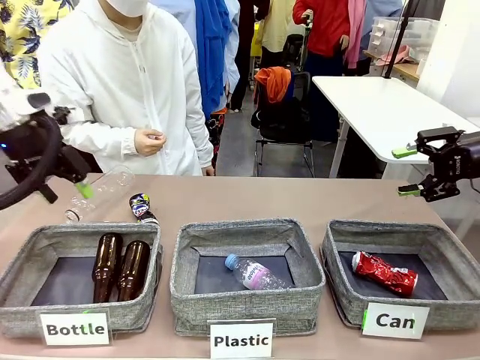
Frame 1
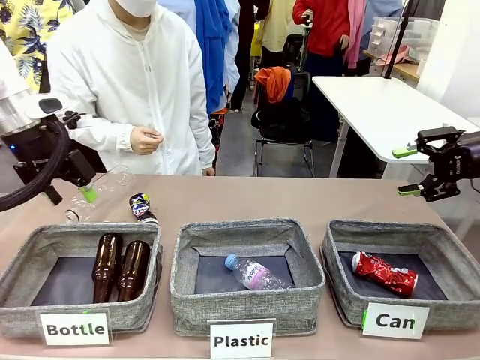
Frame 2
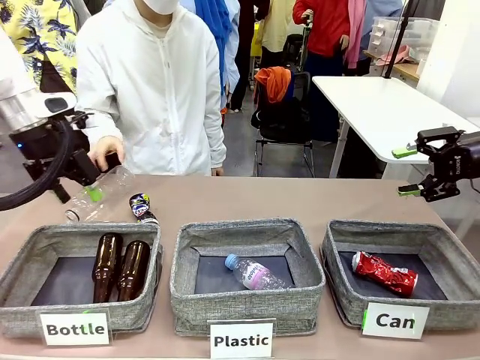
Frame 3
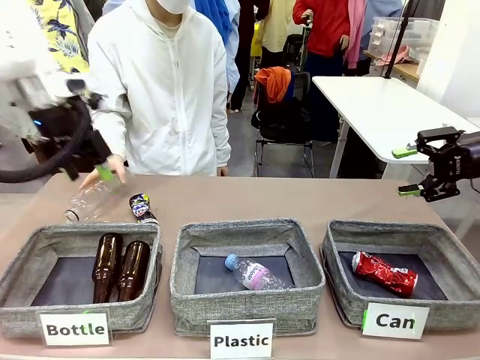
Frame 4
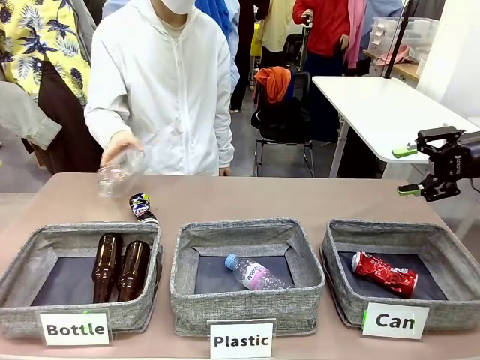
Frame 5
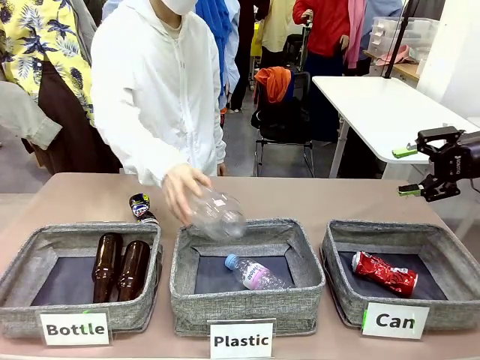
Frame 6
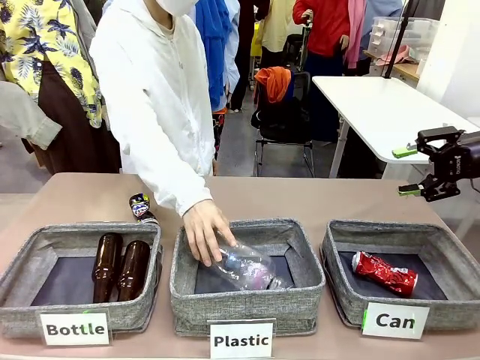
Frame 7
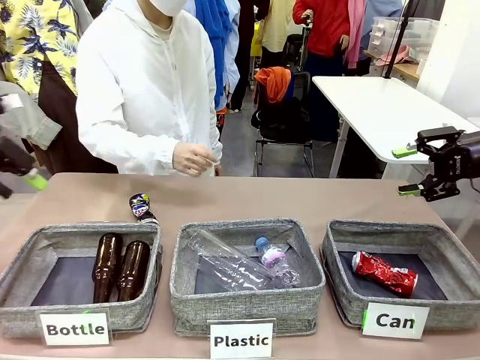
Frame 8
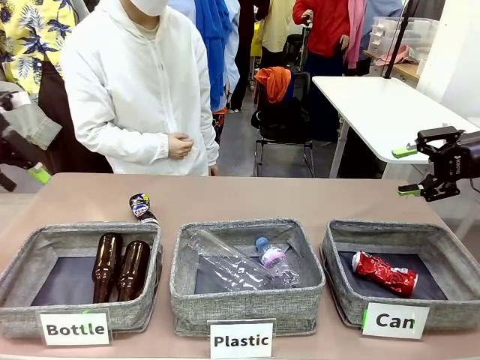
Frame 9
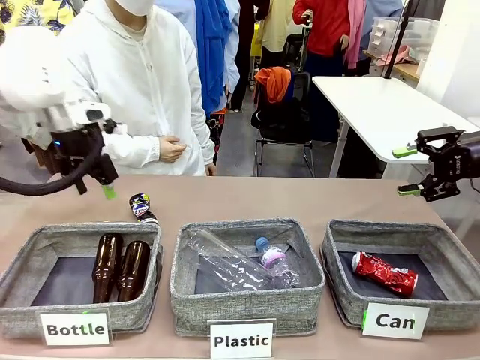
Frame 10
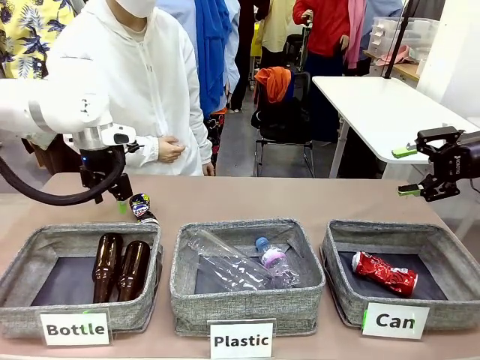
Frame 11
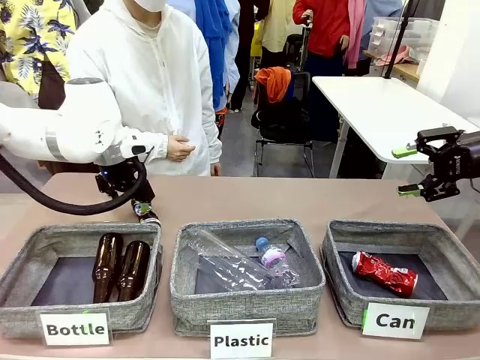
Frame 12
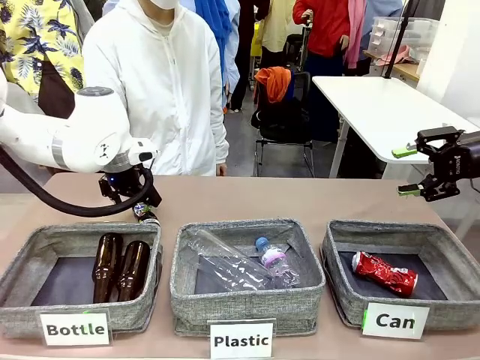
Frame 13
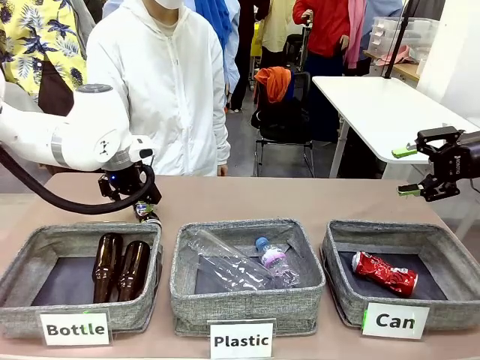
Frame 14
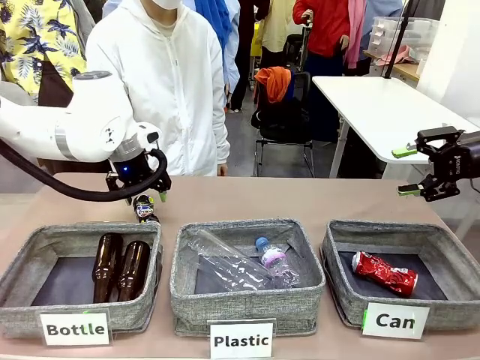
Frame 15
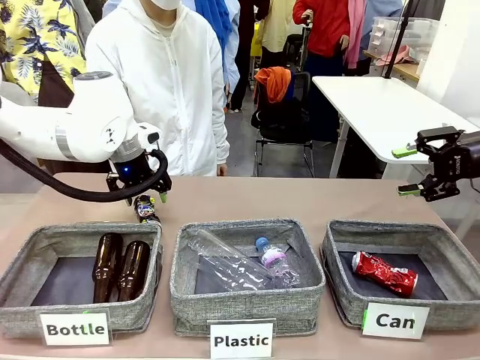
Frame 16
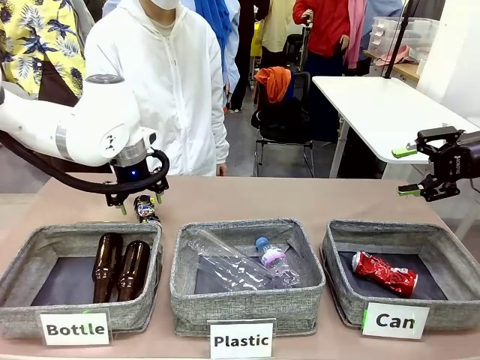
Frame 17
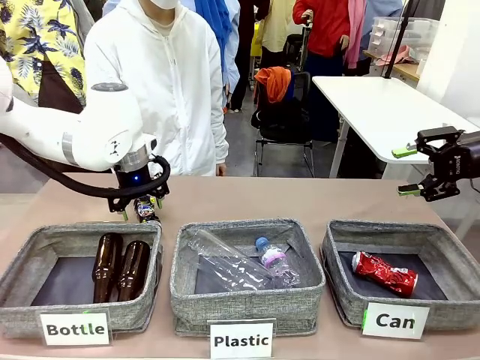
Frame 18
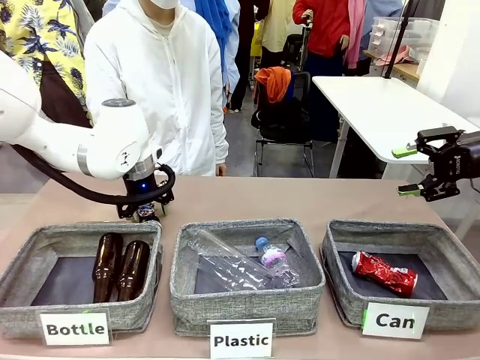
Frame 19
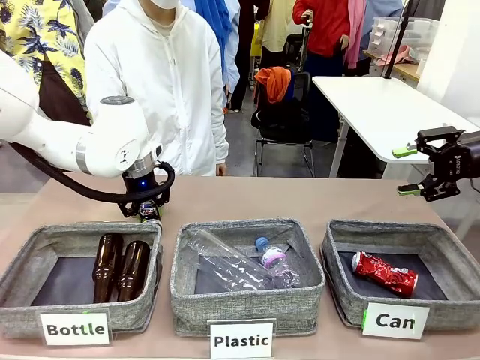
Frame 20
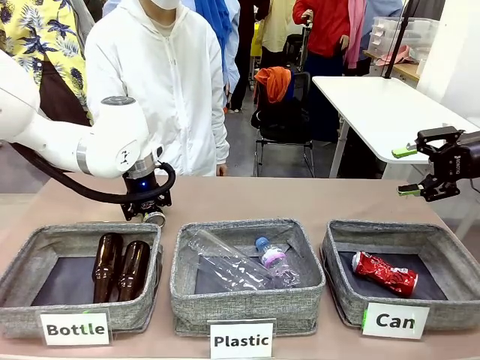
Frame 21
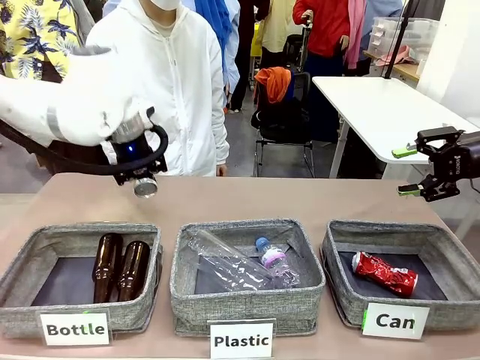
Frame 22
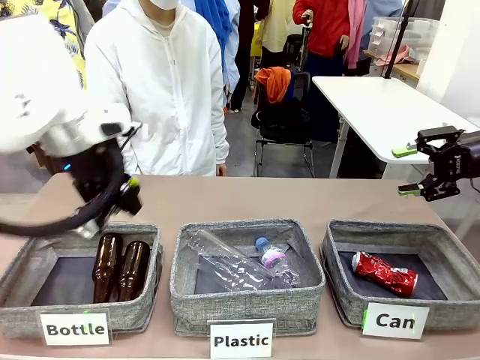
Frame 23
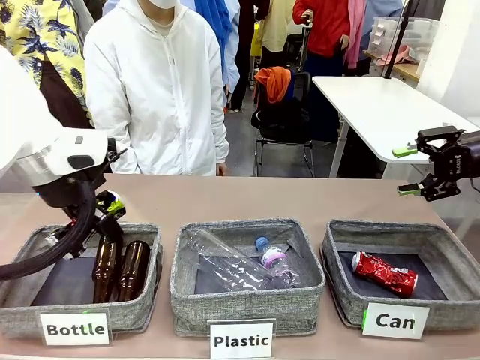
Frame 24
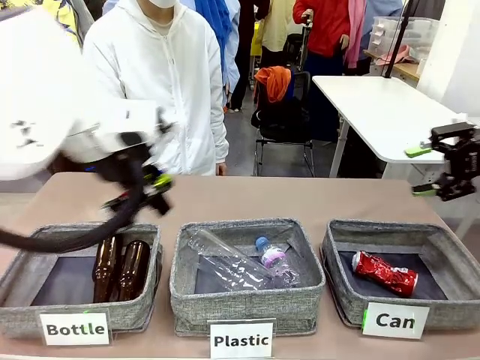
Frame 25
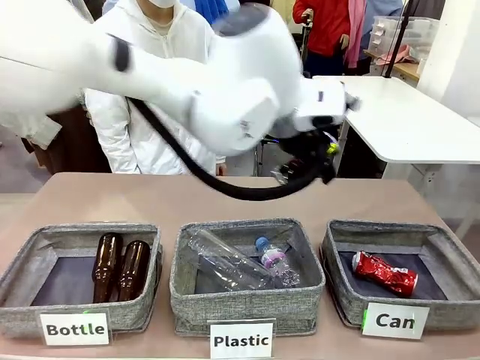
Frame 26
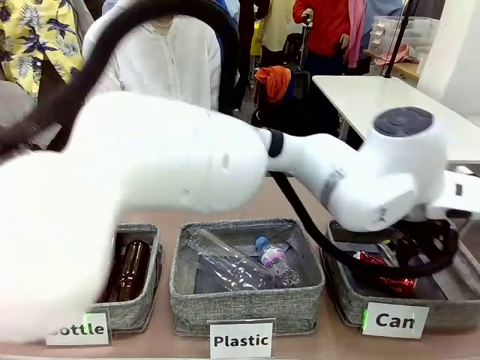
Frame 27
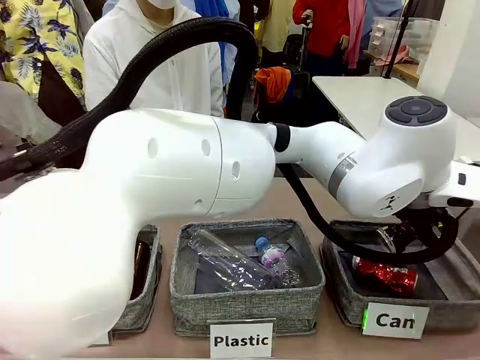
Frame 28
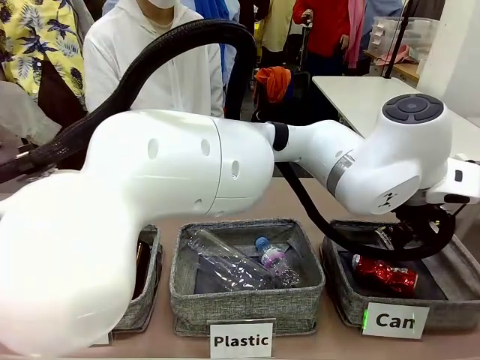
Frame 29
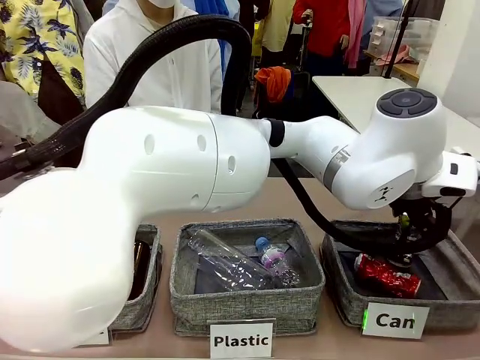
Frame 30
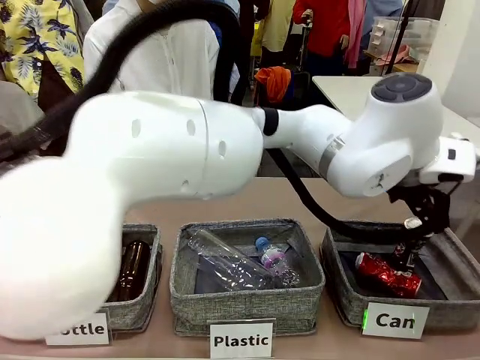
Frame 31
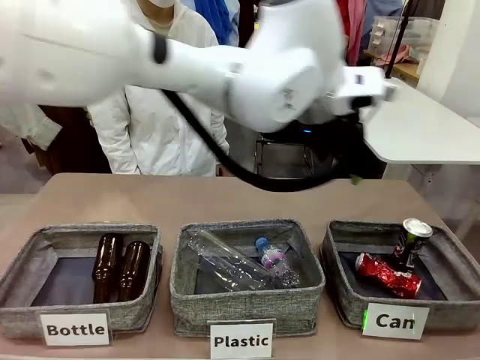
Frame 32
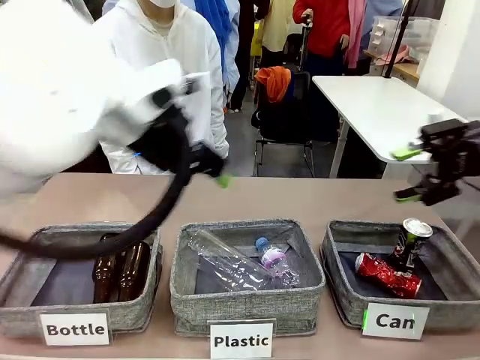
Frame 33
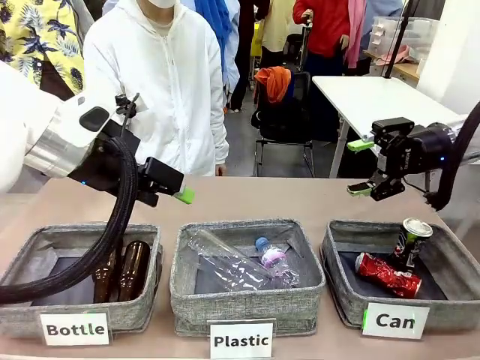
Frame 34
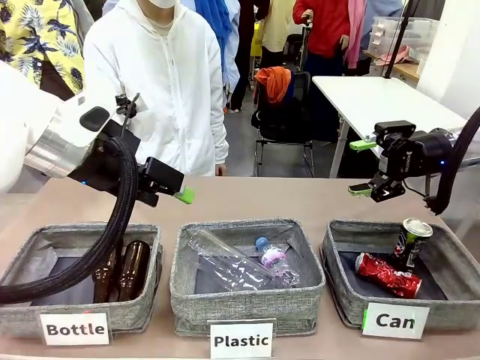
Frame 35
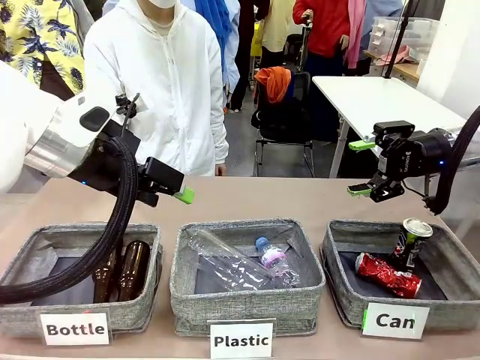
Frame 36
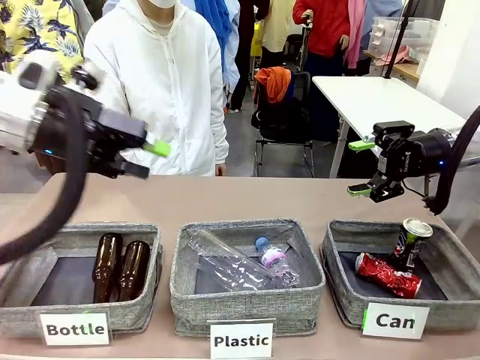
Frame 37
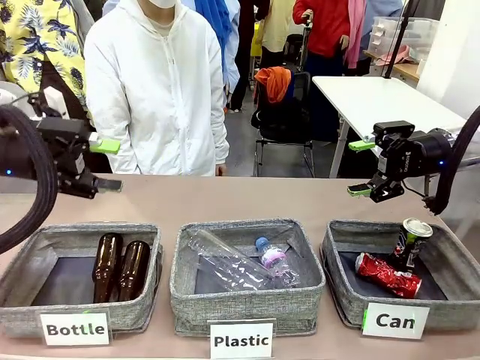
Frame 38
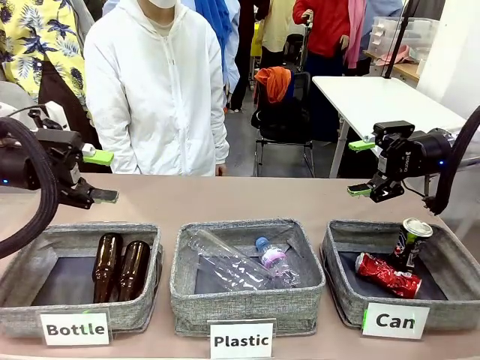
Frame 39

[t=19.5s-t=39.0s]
Task: Sort the can waste into the basket.
Robot: Pick up the can waste from the table and place it in the right Fabric basket.
